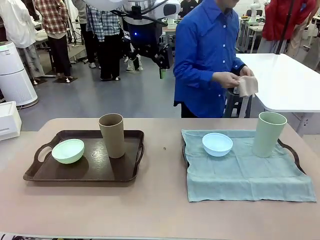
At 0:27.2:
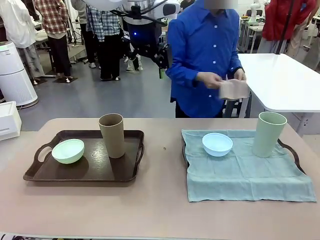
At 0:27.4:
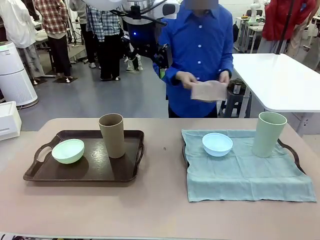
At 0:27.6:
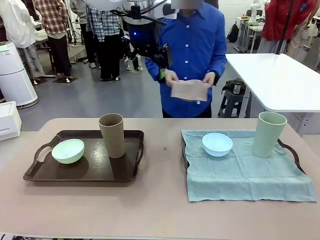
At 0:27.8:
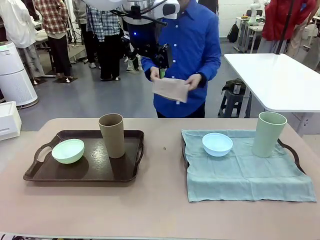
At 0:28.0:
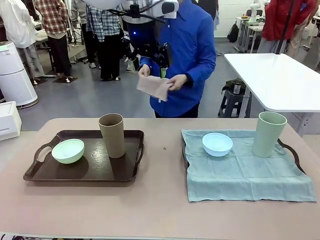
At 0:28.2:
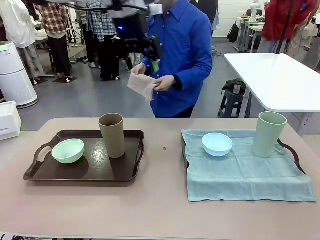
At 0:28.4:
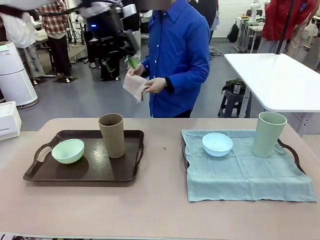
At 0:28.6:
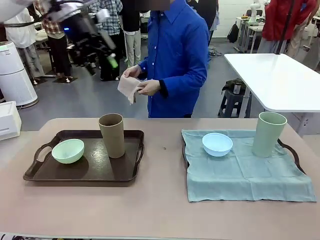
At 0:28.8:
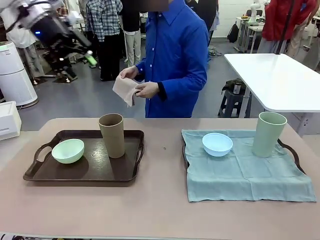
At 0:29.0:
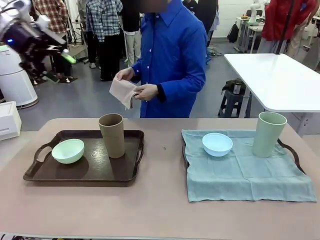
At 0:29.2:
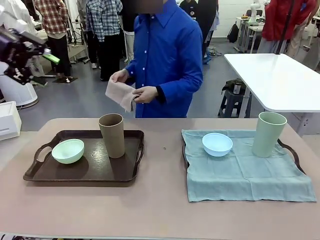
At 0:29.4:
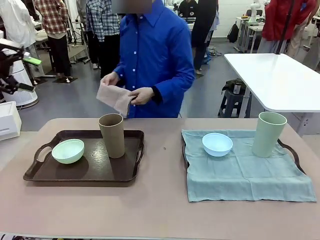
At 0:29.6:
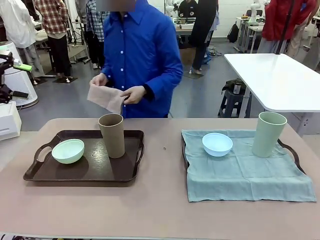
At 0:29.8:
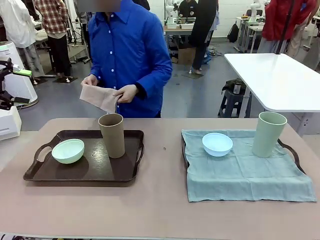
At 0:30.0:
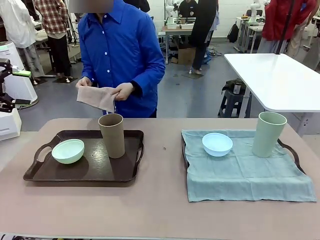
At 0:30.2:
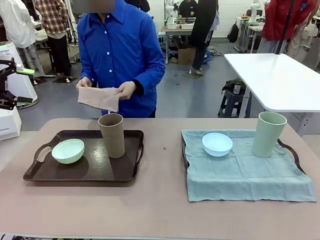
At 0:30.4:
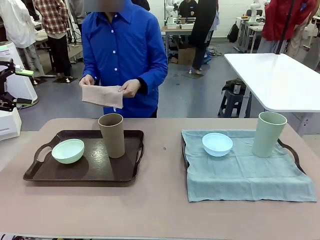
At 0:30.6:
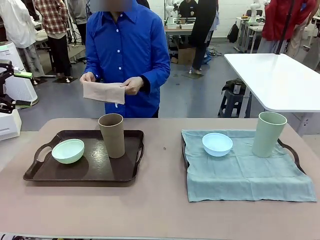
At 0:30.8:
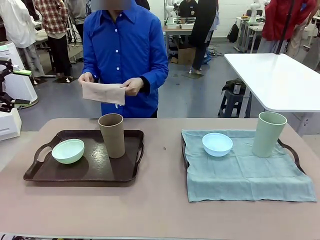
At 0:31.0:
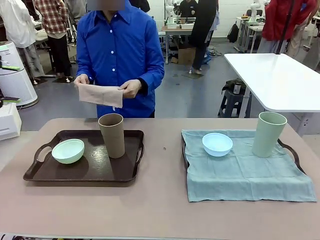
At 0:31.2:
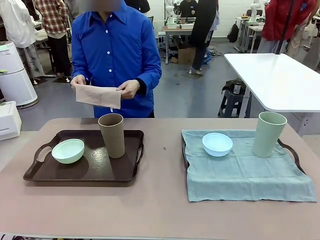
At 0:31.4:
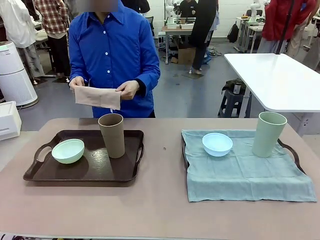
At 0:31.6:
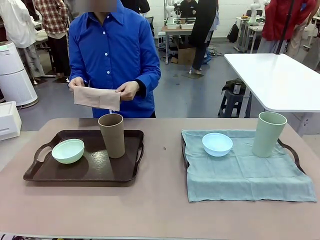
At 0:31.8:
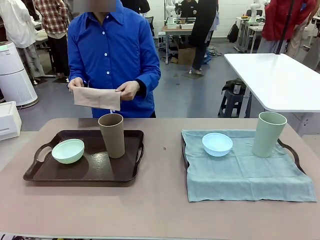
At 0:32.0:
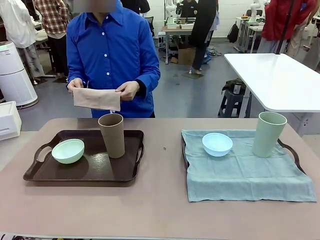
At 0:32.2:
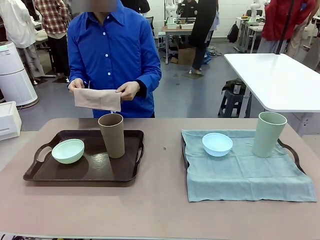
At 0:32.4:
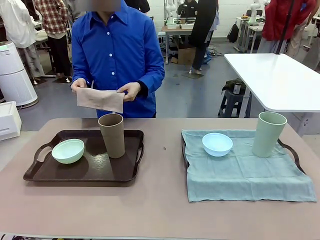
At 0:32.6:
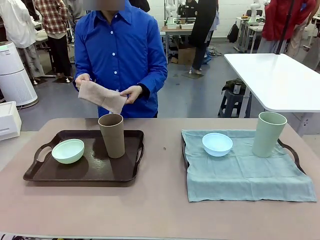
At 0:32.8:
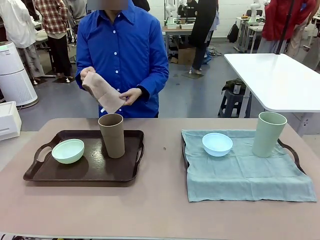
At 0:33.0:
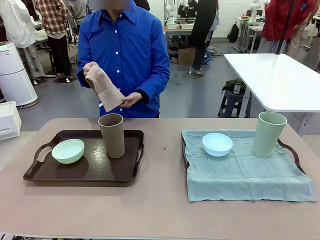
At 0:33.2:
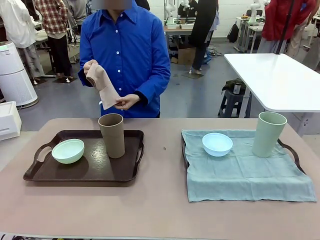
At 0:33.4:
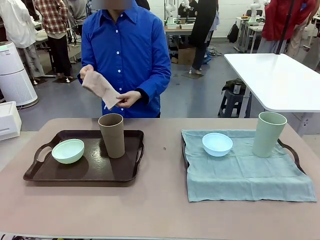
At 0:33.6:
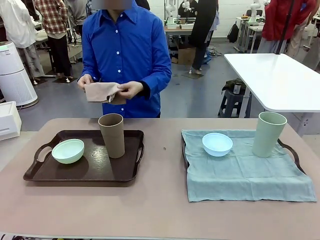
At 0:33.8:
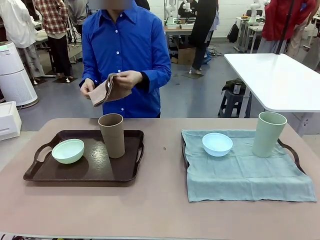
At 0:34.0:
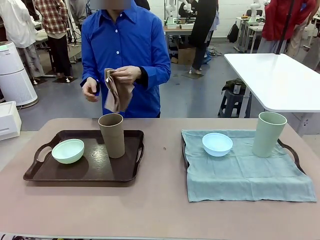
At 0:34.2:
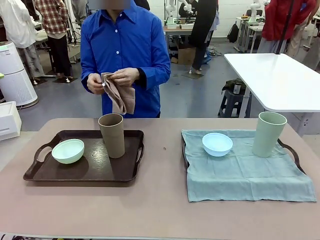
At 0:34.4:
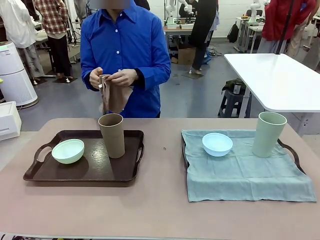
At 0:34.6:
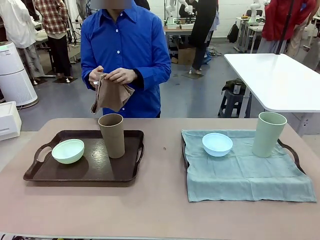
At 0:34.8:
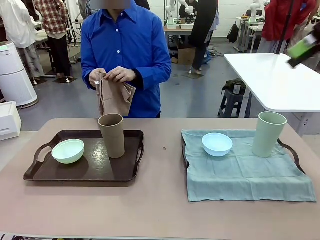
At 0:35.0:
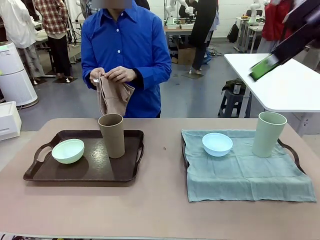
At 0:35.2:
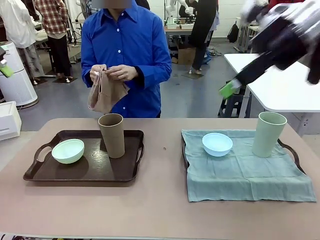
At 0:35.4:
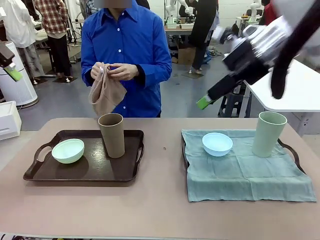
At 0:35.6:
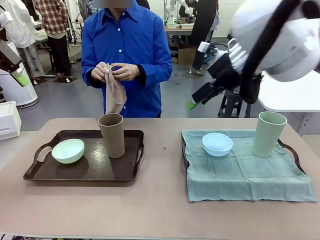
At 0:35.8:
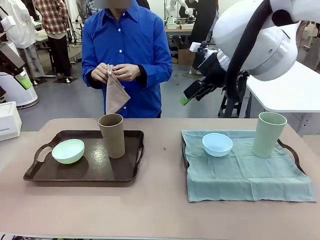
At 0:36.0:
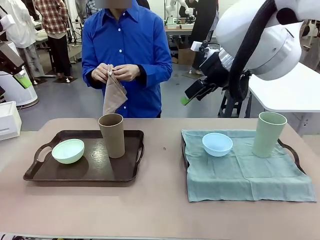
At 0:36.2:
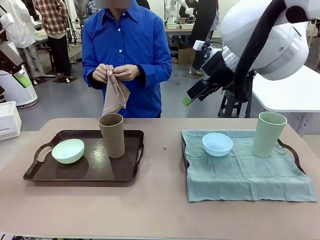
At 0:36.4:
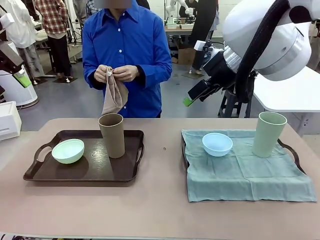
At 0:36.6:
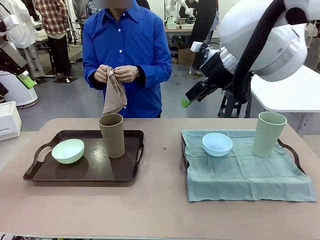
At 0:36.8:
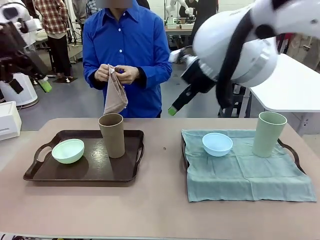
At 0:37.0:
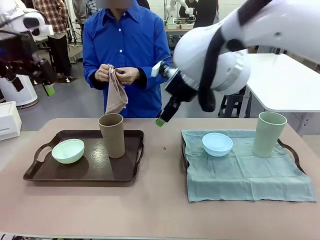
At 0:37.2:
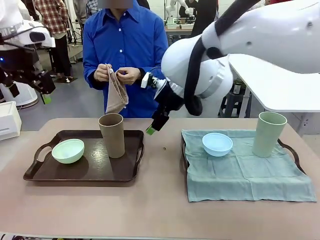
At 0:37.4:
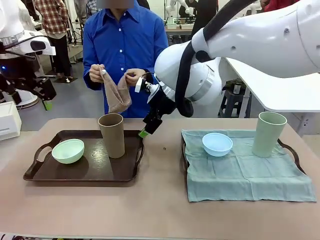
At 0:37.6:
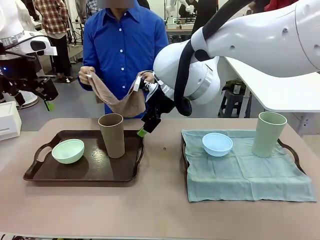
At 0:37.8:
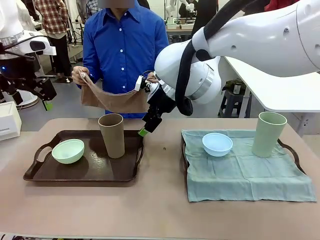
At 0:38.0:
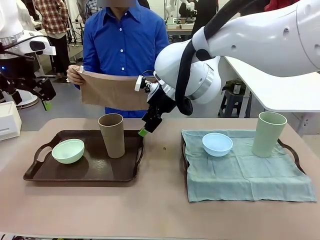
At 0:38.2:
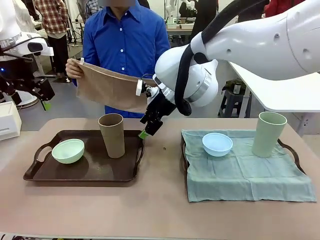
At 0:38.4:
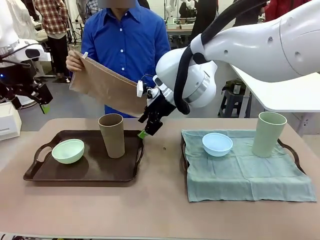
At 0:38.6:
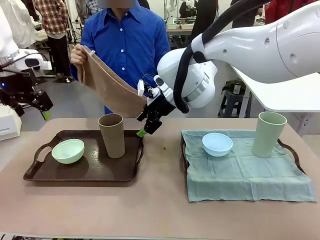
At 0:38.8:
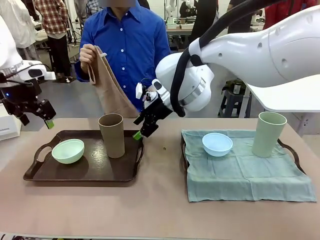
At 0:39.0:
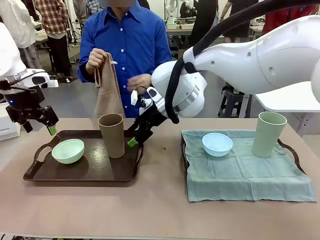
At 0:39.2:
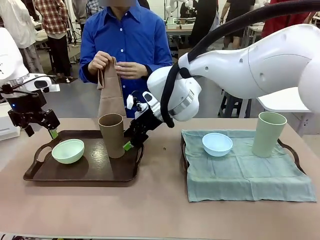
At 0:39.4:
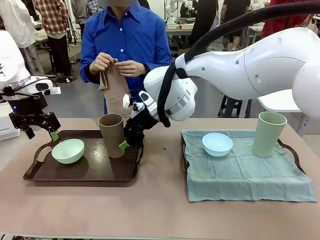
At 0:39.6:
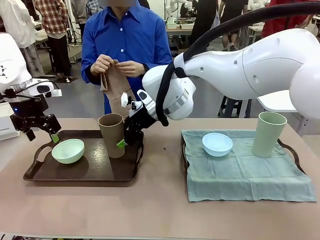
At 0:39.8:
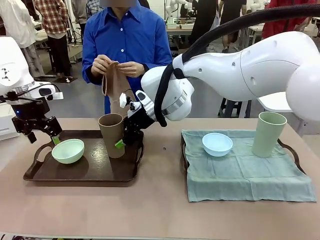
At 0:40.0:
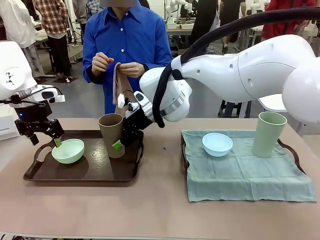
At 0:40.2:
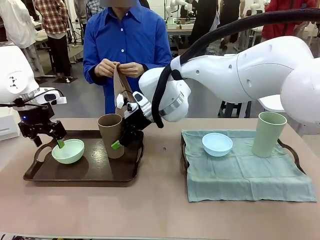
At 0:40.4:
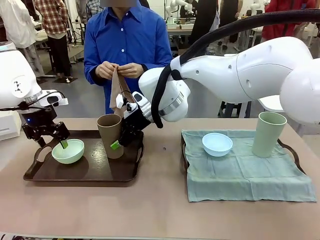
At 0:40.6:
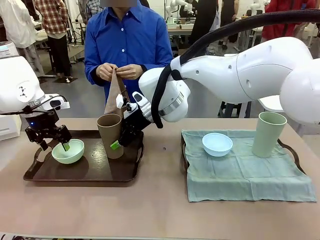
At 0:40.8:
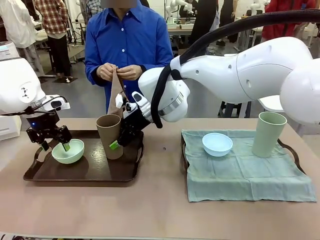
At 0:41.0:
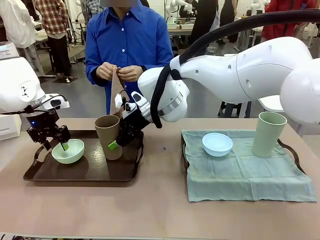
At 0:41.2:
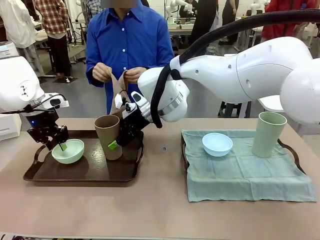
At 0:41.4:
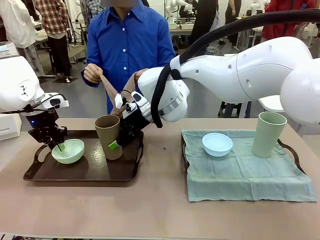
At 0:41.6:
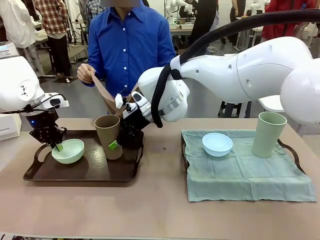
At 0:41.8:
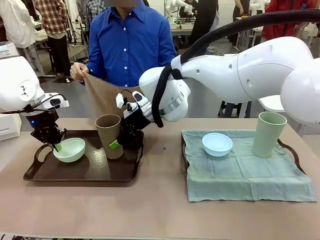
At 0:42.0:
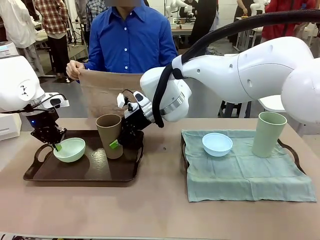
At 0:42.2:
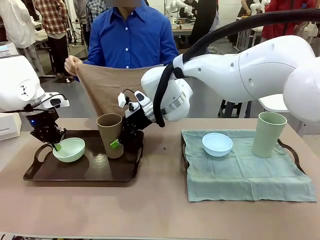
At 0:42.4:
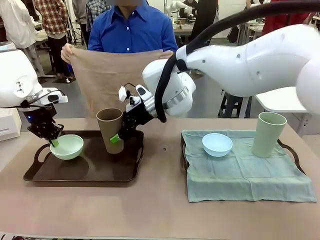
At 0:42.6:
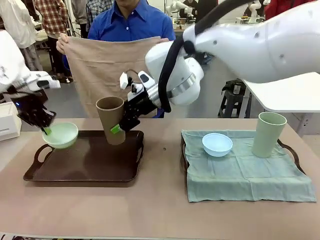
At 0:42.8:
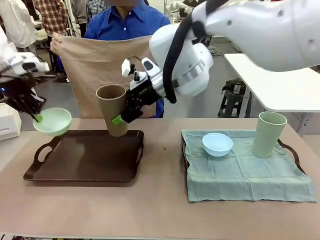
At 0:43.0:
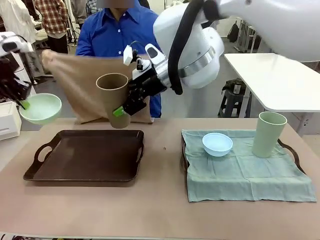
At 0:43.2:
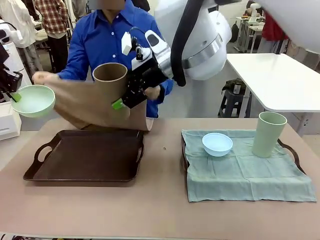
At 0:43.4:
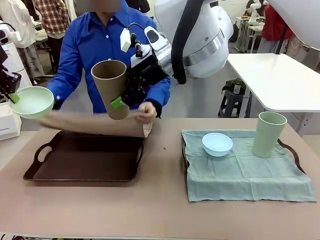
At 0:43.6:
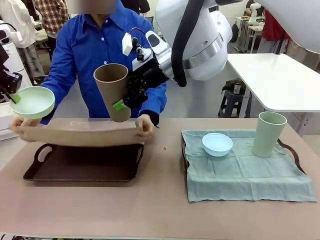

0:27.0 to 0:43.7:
Robot: Pick up the Picnic Bowl and Reusable plastic cup from the Handle tray in front of the human's position and hold them in the air.
Person: When the robot lifts the bowl and the cup, the human unfolds the napkin and lays the napkin flat on the tray.

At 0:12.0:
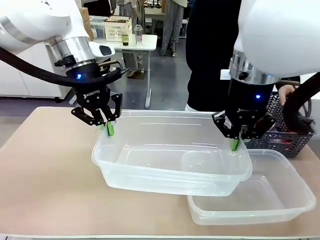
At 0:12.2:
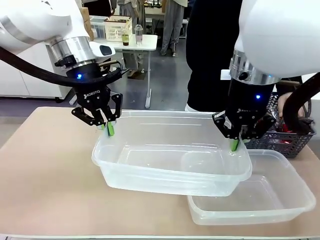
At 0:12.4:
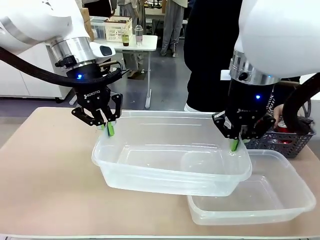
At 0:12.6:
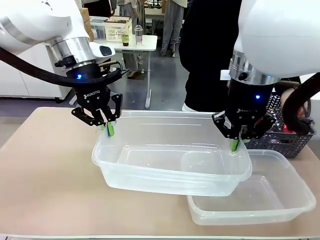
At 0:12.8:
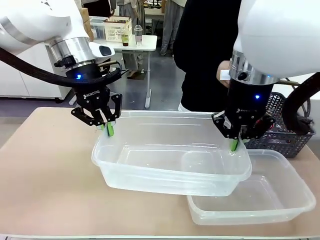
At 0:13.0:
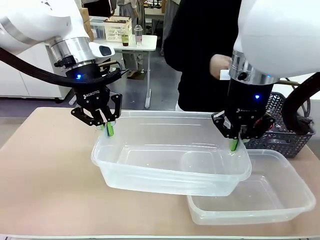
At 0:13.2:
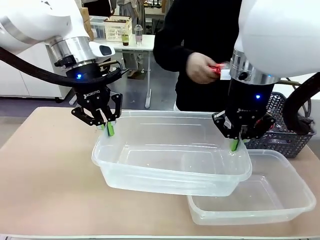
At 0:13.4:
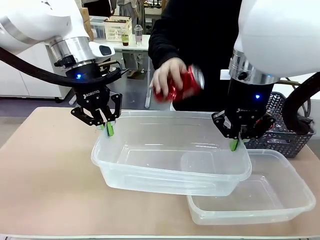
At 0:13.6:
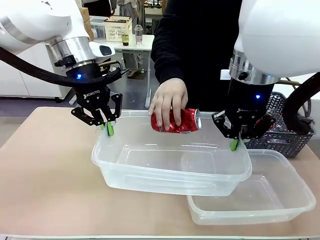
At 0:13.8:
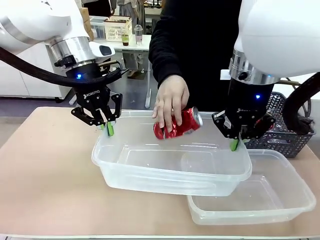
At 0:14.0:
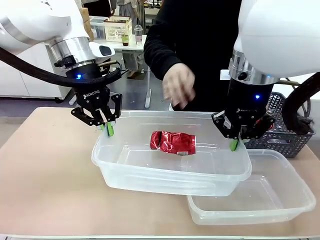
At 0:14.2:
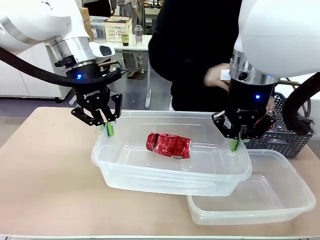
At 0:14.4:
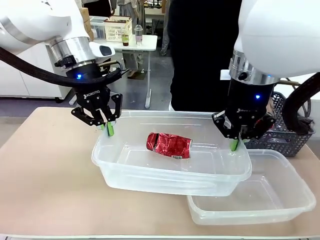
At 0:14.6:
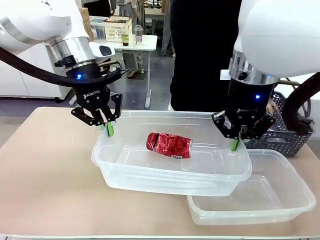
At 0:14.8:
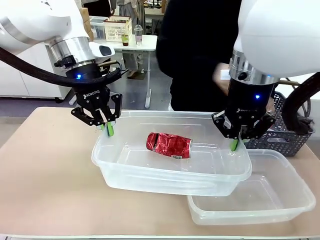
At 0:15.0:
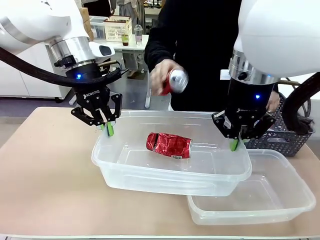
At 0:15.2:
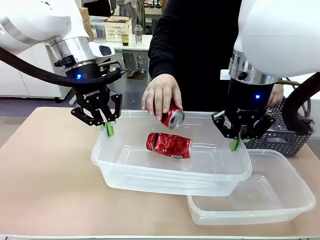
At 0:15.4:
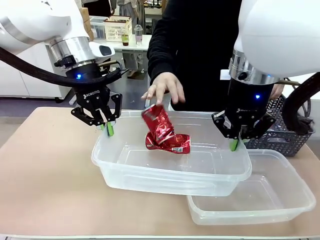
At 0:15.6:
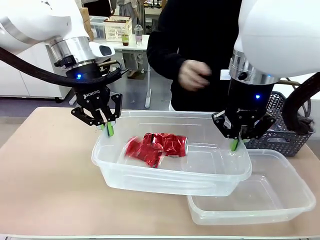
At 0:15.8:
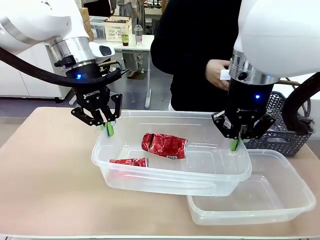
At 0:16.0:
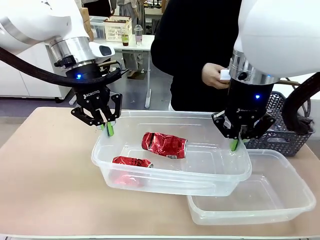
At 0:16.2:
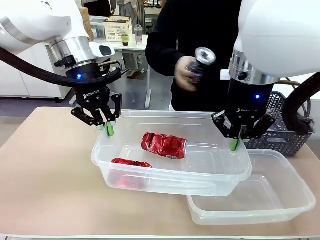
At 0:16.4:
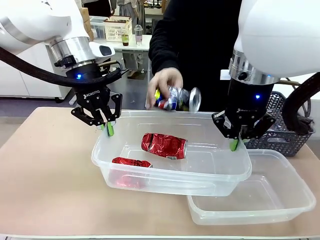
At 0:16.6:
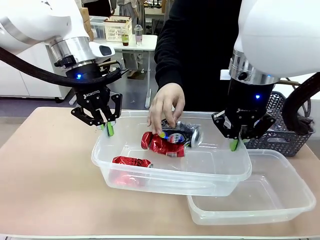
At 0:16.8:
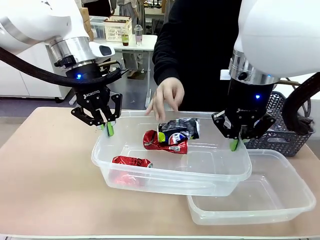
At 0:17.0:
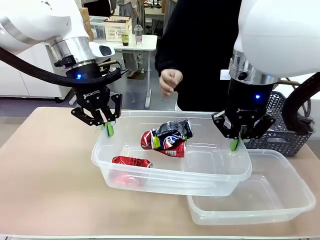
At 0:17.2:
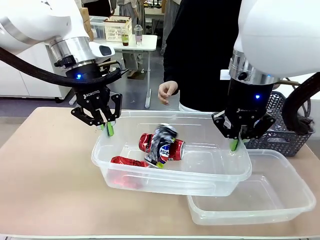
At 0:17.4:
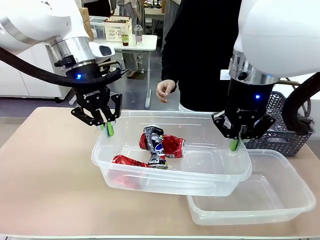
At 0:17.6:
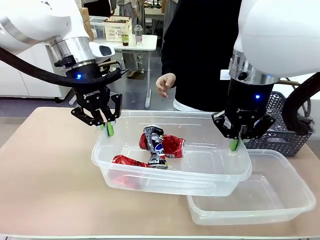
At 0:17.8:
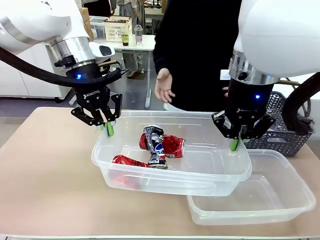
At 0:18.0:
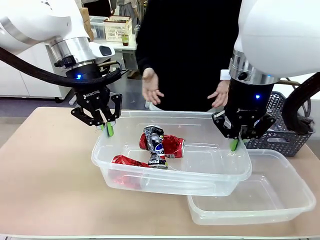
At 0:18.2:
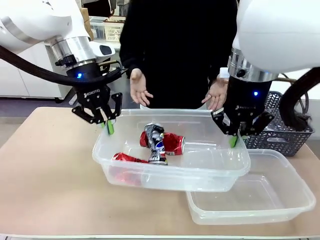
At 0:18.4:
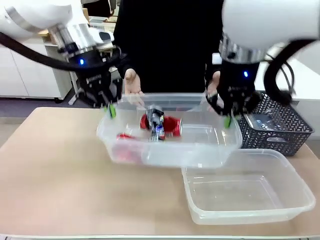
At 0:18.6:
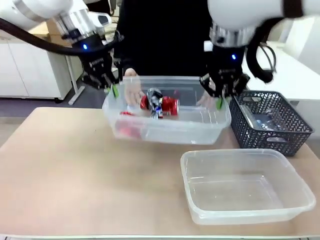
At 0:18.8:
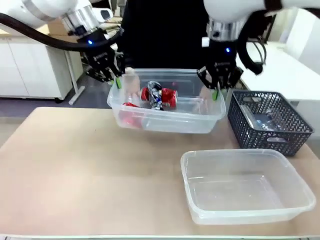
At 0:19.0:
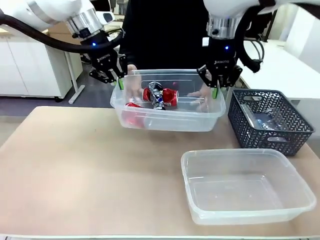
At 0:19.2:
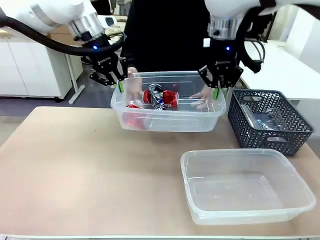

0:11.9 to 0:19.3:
Robot: Offer the picked Organizing box to the human.
